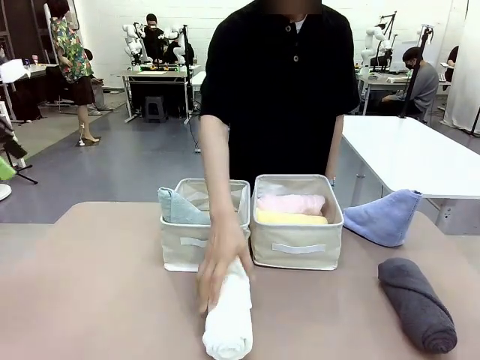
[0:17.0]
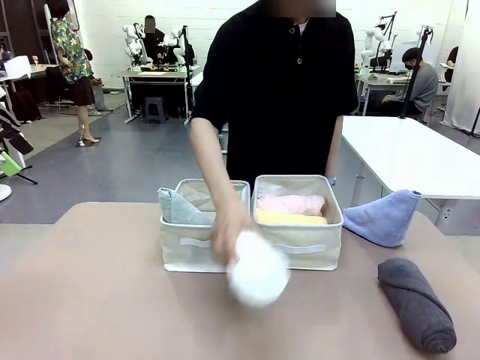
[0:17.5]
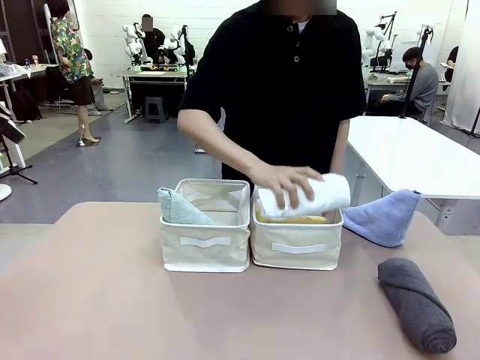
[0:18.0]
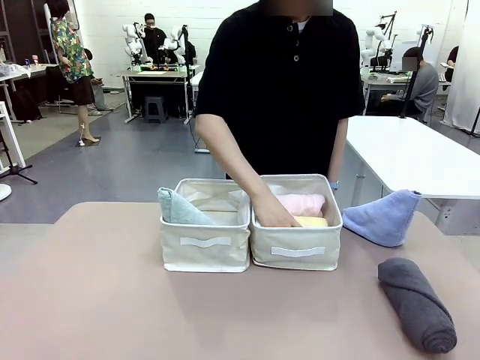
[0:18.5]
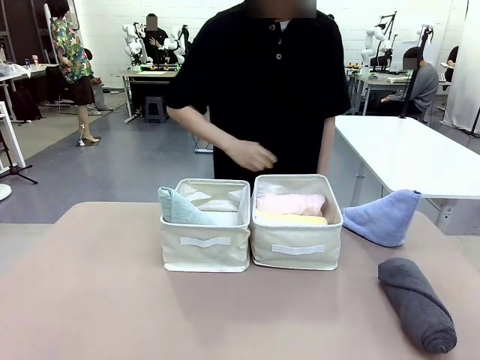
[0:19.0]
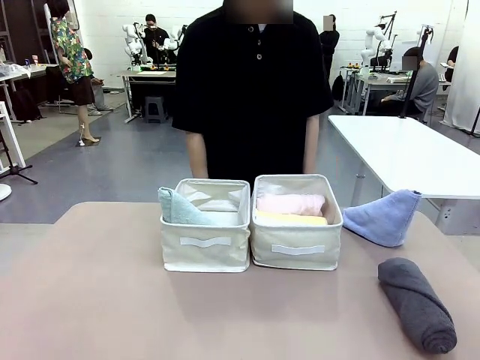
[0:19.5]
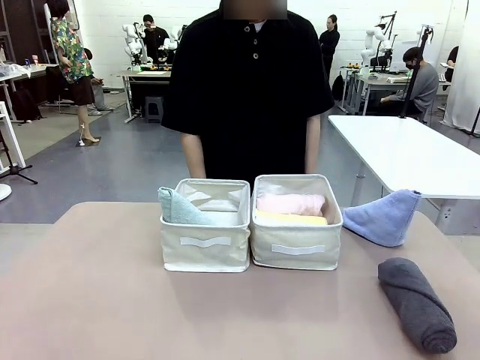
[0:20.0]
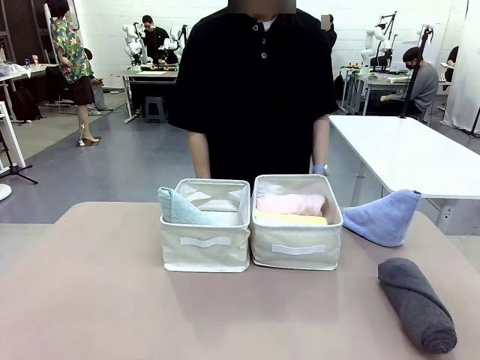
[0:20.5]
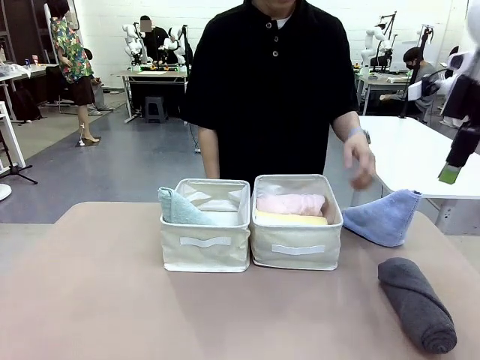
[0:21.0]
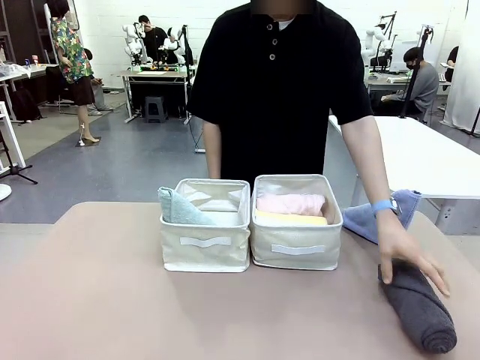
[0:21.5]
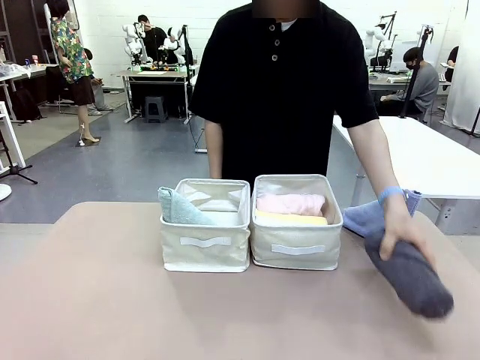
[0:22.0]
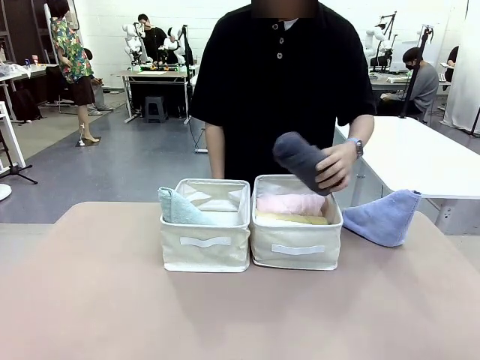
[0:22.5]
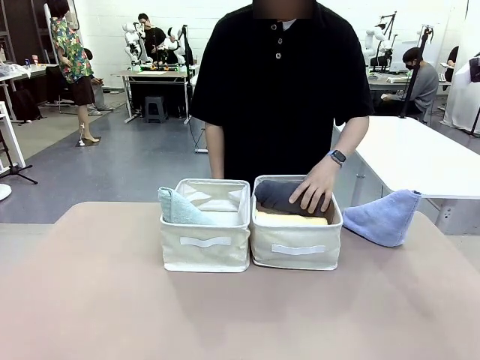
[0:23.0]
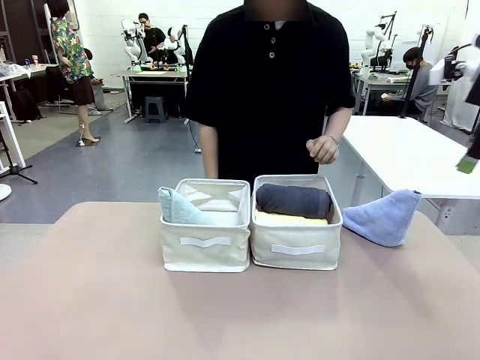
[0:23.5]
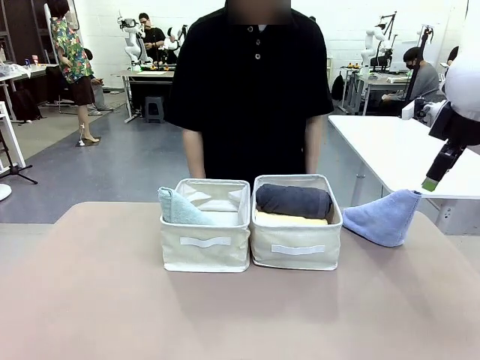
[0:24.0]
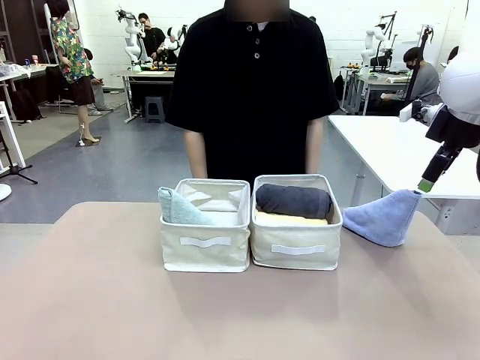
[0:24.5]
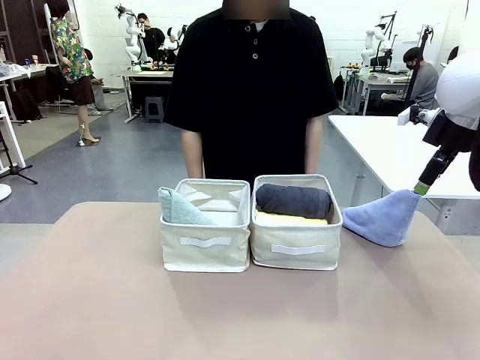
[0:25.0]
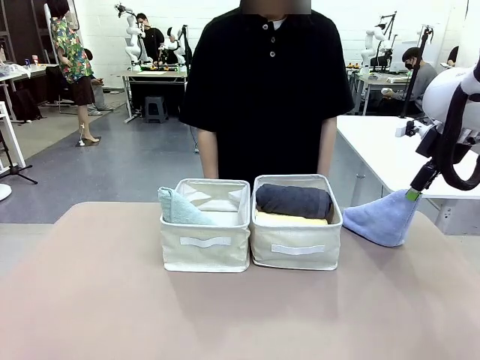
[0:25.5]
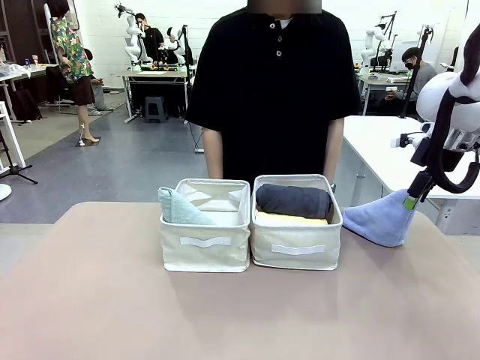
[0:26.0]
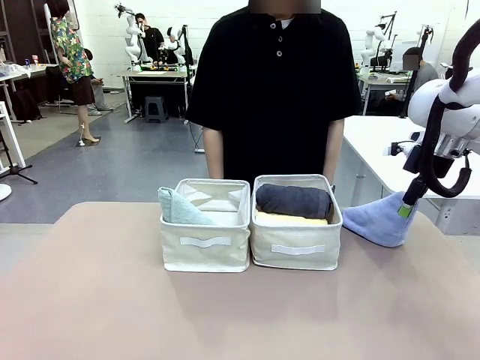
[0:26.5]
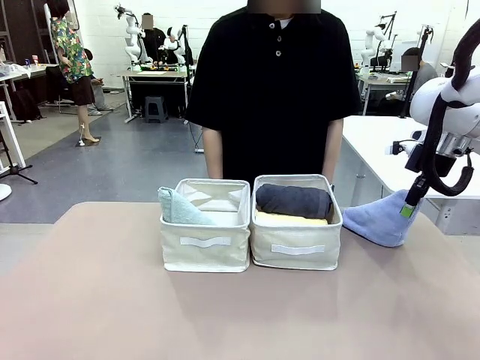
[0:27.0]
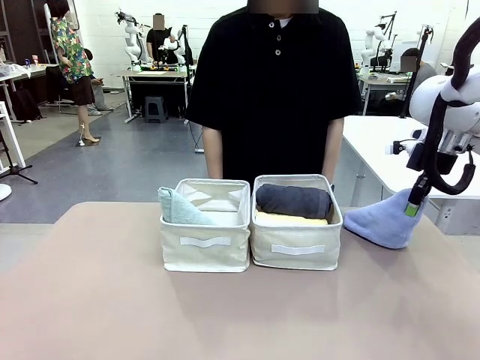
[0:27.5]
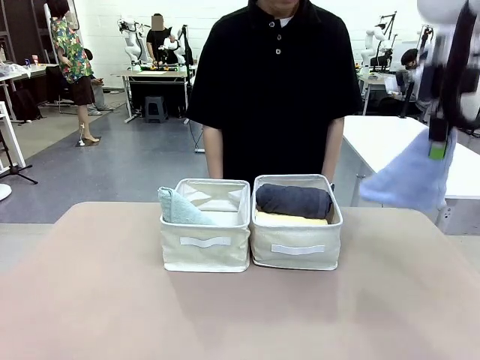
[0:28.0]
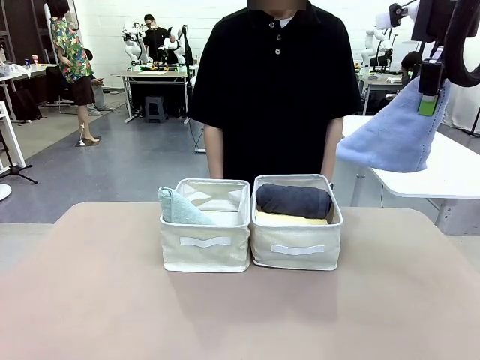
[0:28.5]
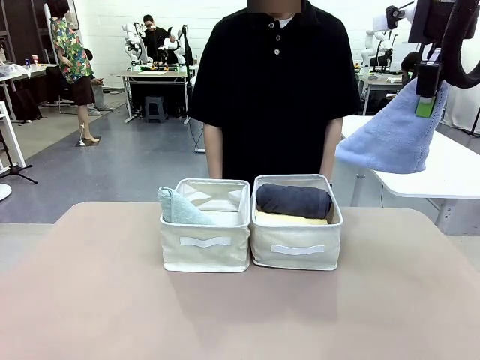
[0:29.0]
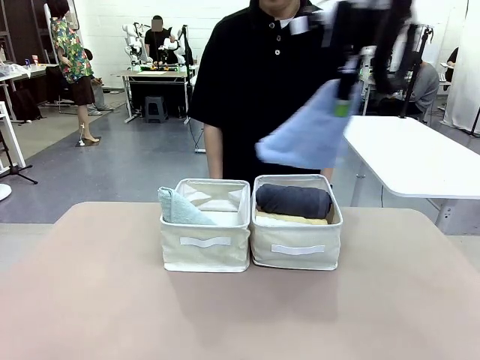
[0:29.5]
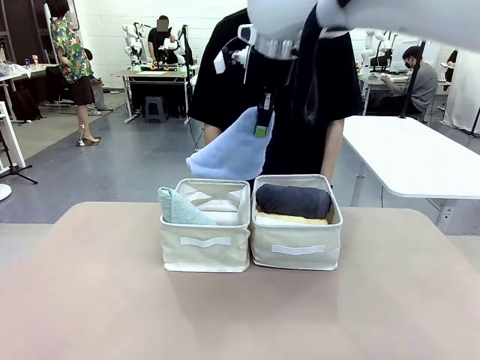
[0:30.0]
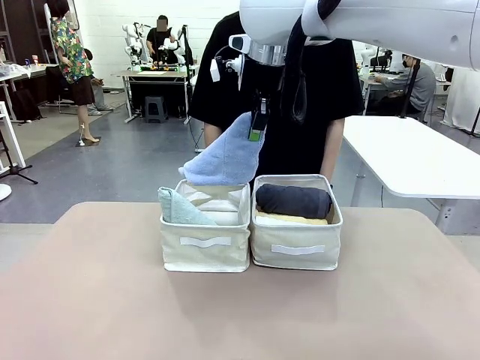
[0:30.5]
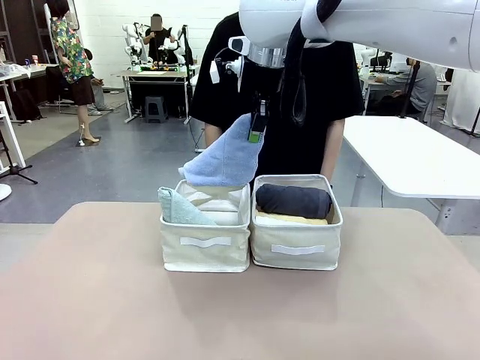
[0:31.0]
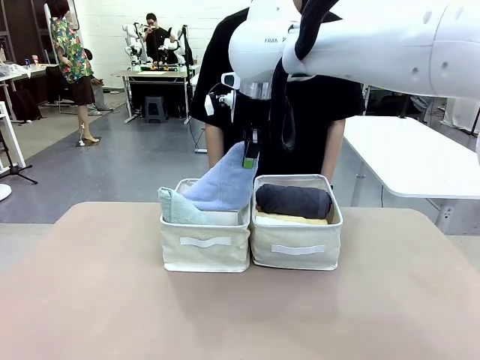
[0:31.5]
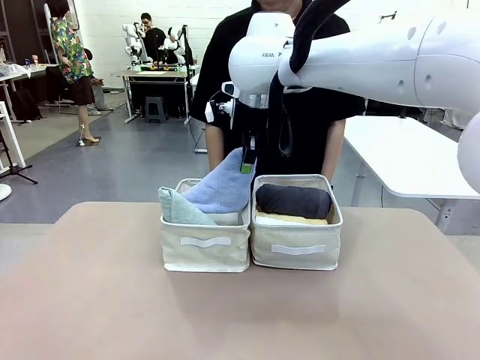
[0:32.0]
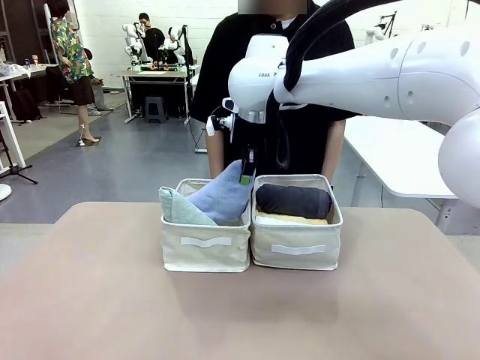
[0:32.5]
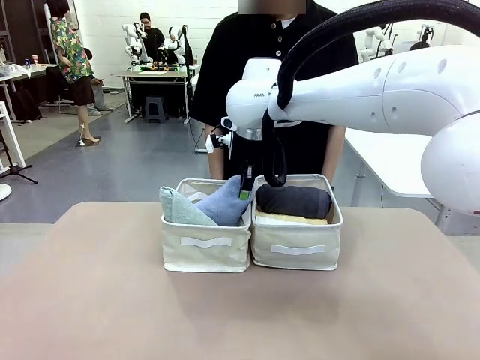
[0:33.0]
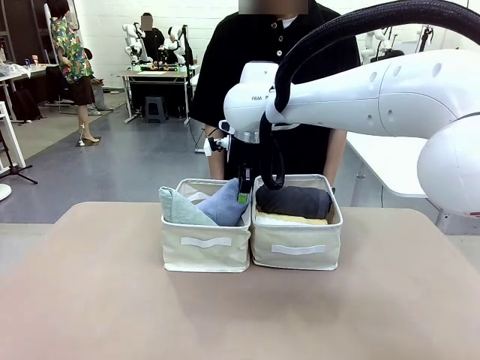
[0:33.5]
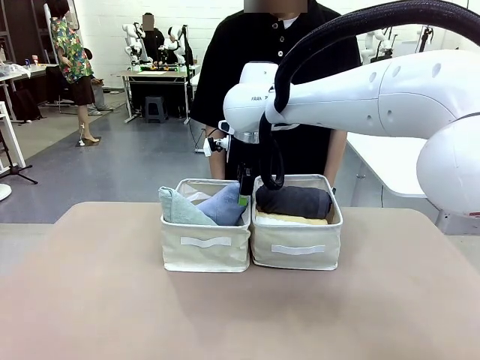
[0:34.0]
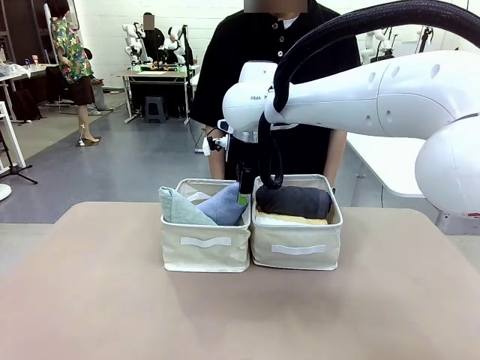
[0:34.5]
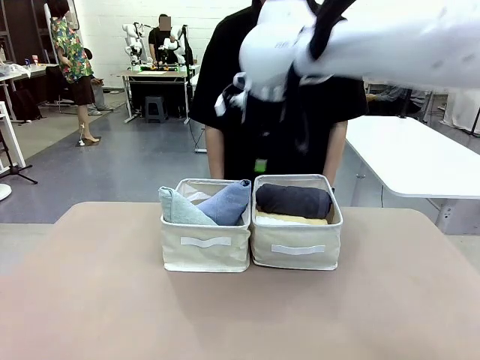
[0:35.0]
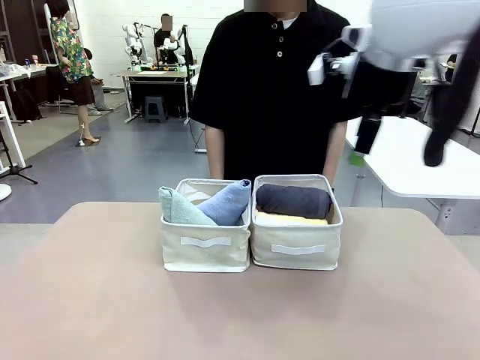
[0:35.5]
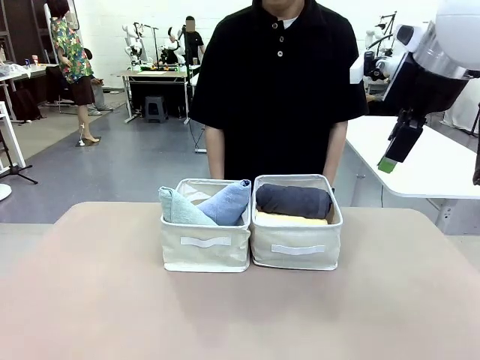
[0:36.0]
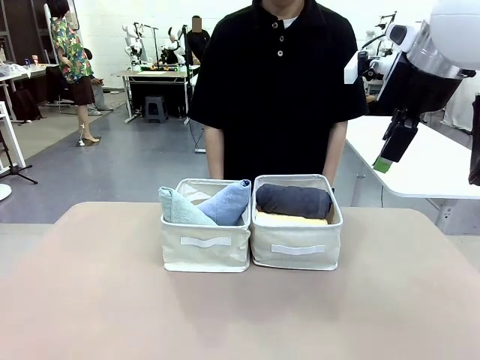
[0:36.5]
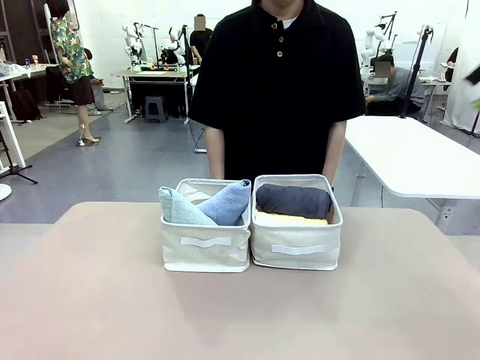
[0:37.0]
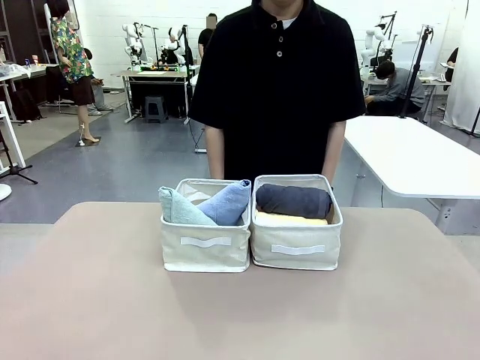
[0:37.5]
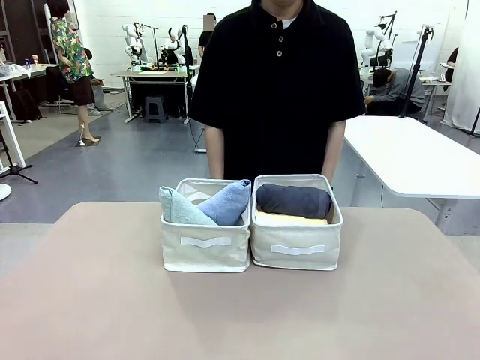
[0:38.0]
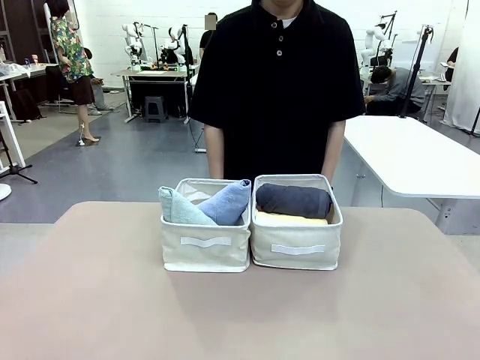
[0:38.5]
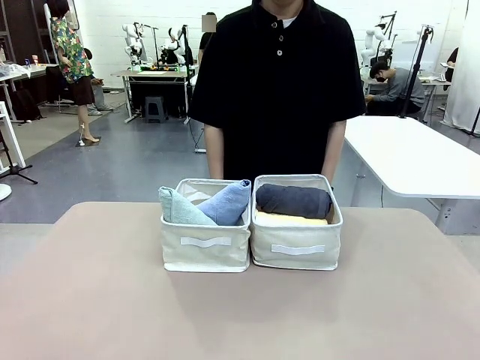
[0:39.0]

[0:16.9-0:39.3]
Task: Sort the towels based on their folding style.
Robot: Pick up another triangle-folded towel from the table and place it in the left Fabric basket.
Person: Pick up one hotel-style rolled towel from the table and place it in the left fabric basket.
